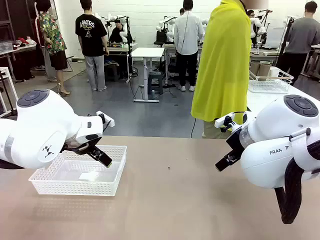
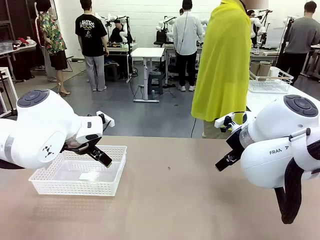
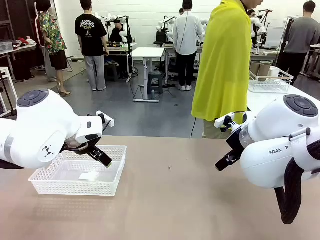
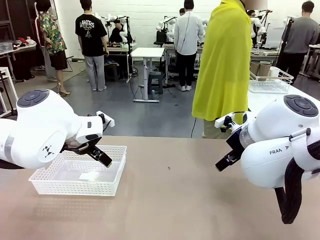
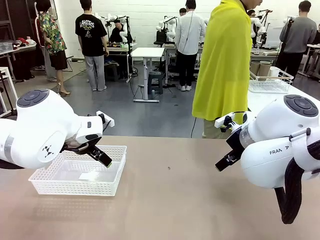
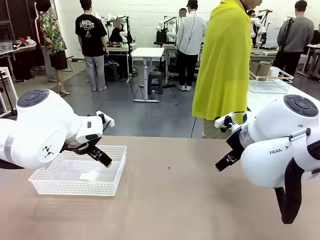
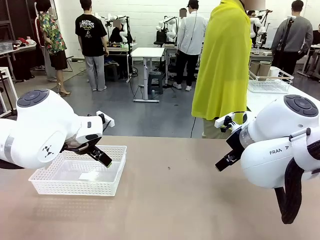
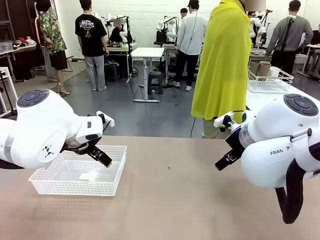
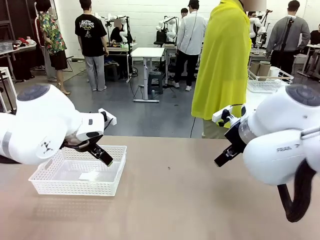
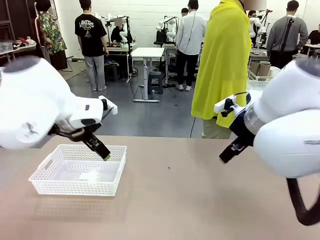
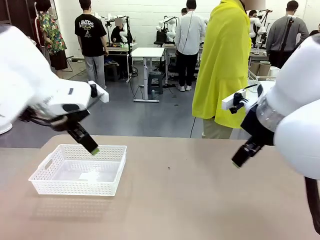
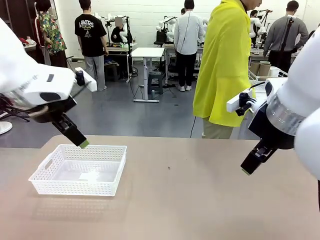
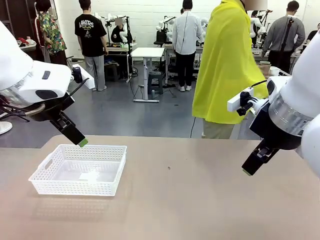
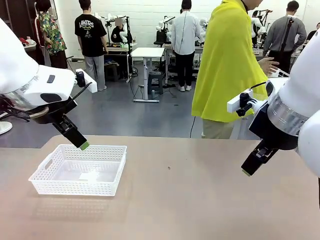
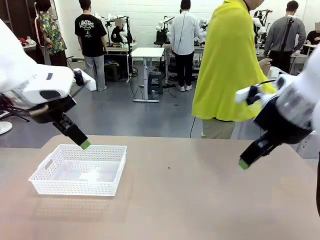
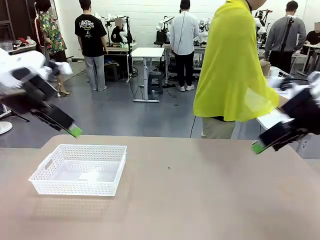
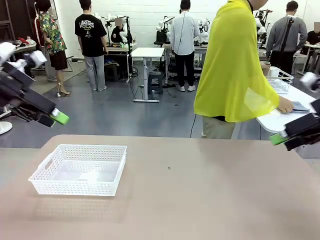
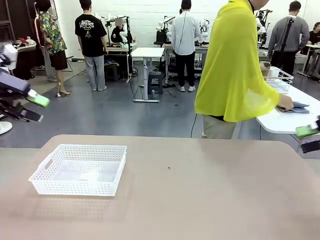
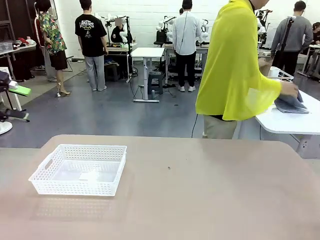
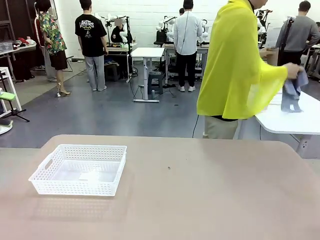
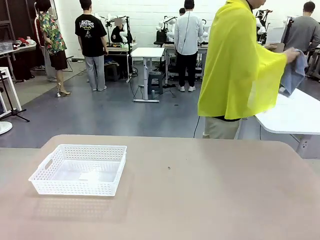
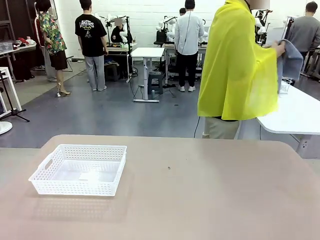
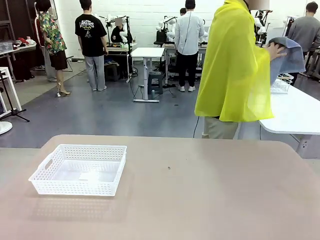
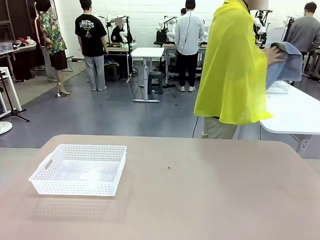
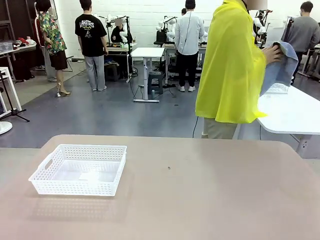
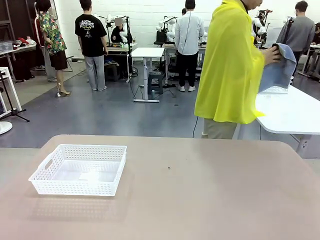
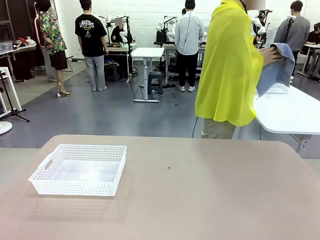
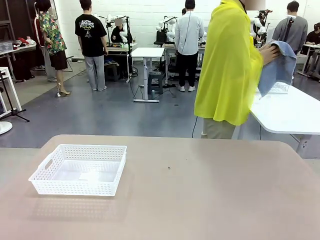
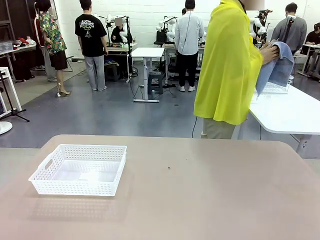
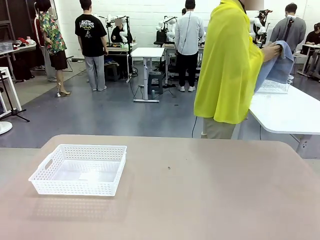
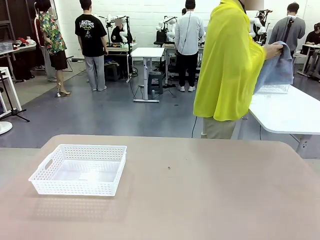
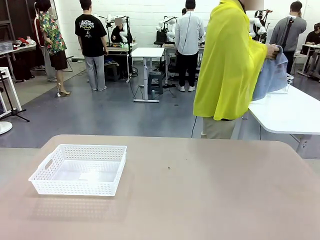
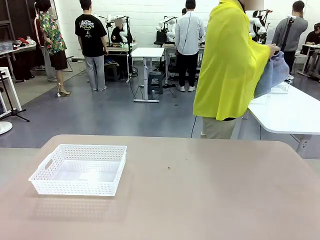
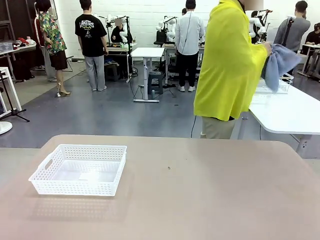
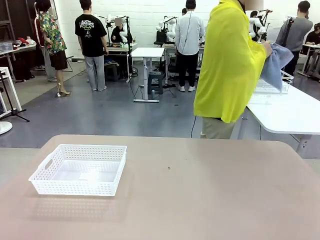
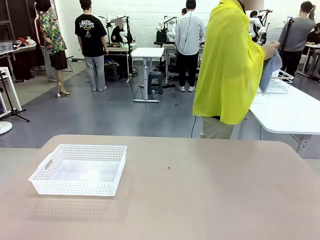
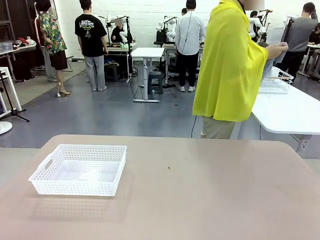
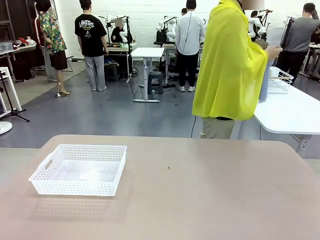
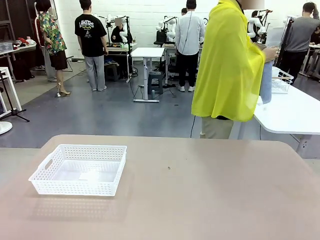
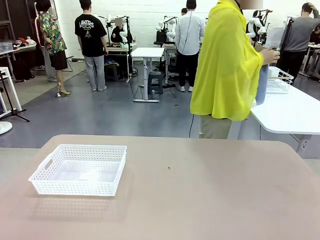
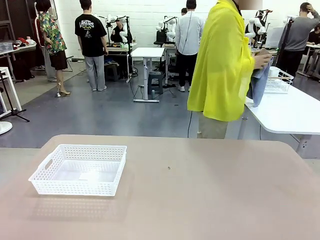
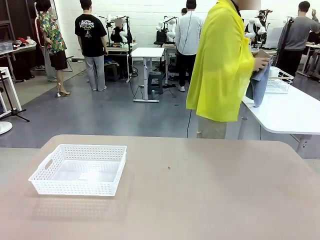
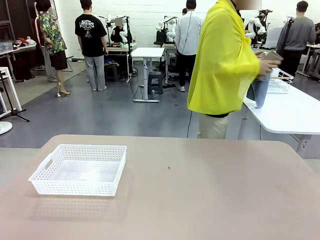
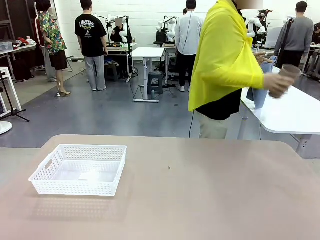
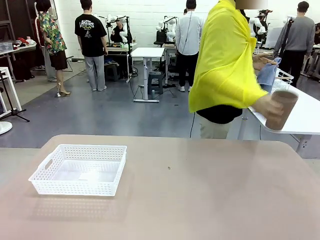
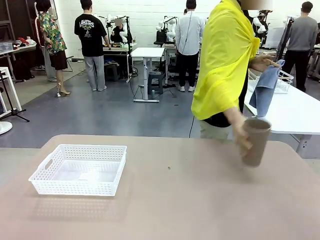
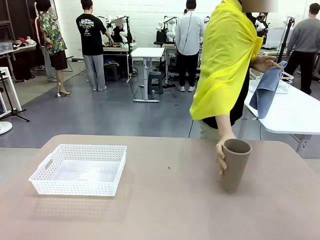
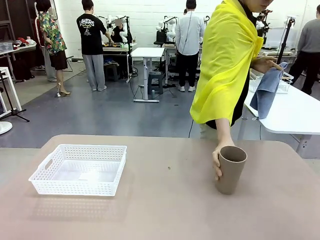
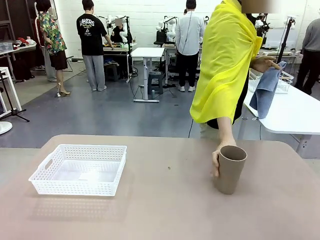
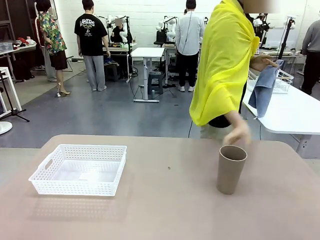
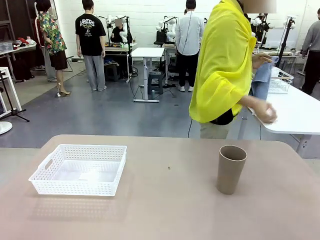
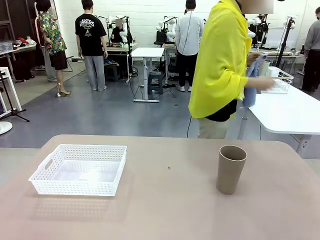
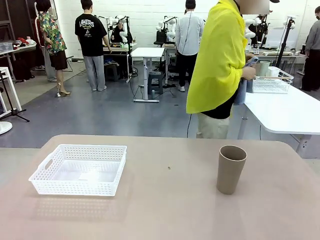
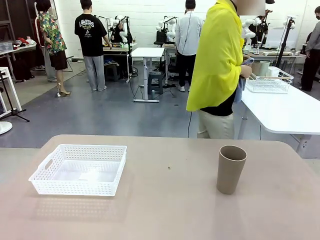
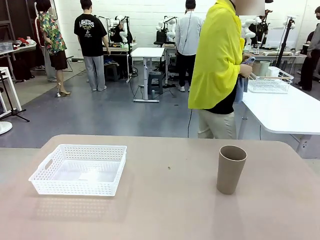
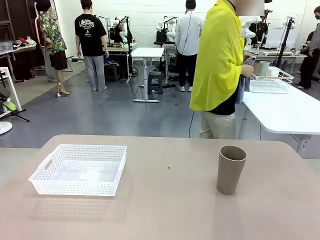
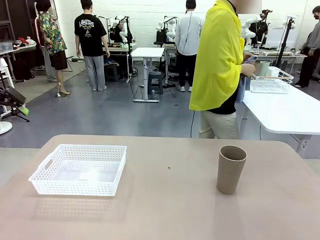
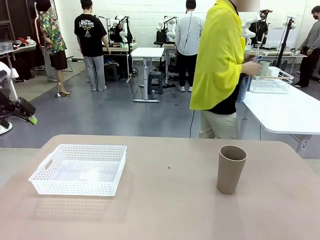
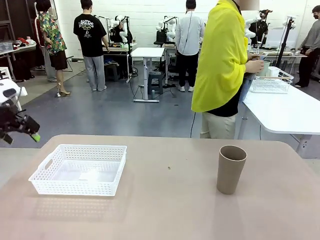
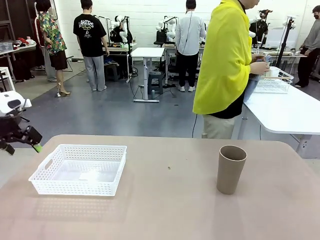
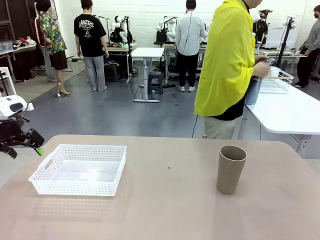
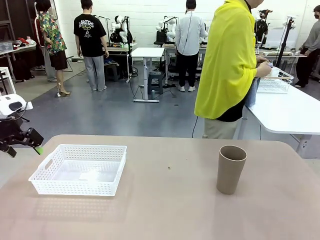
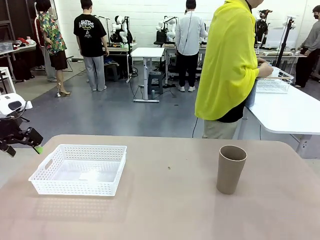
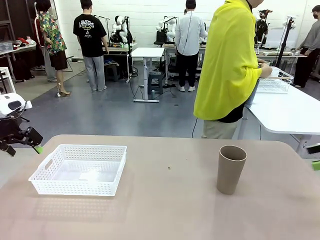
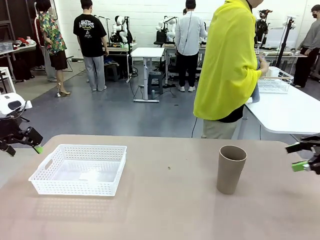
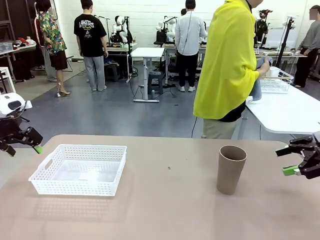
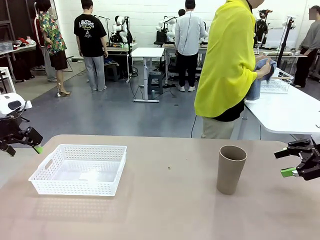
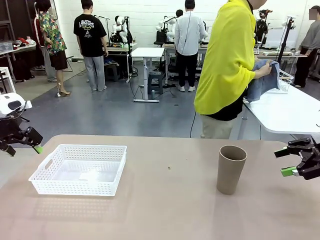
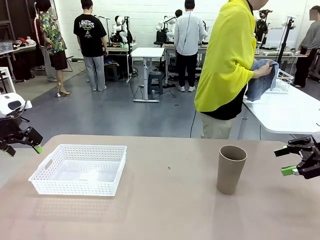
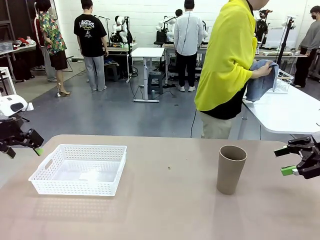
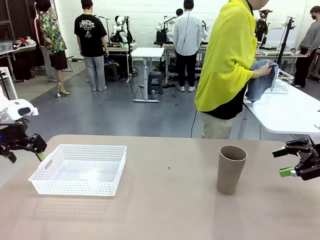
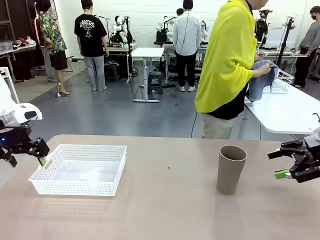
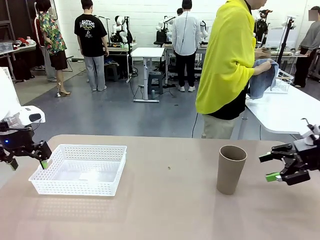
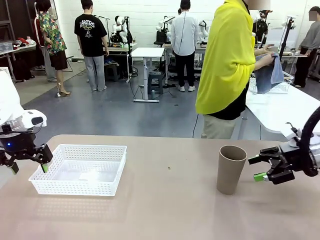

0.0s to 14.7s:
Task: Clean and organize the cups into the basket.
Robot: Pick up the Organizing basket and move it to the center of the table, then pick up the Reusable plastic cup from the right side of the table and place it inside the Organizing basket.
Person: Picks up a cup and a towel, cleans the cup with the towel, and places it on the left side of the robot table.

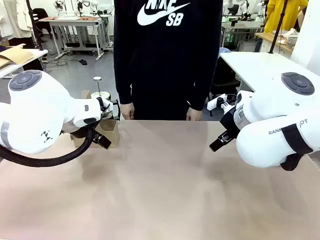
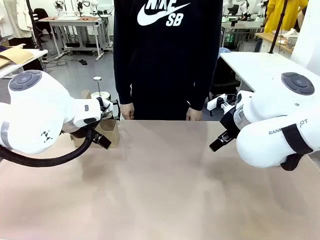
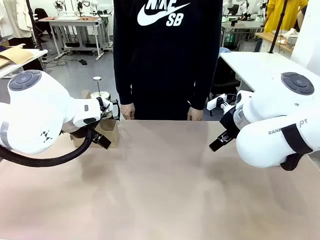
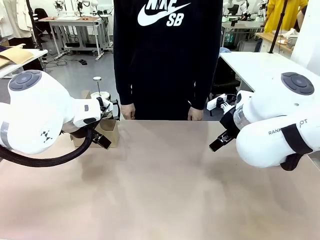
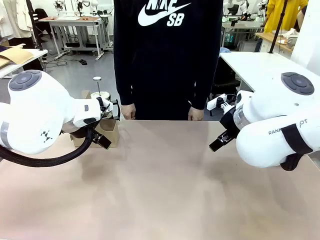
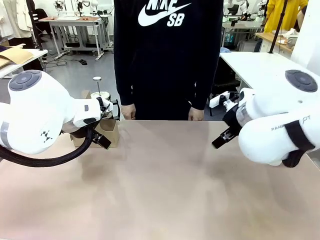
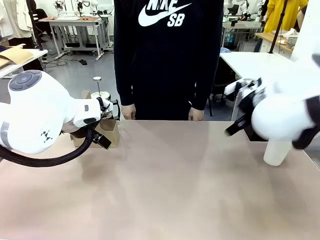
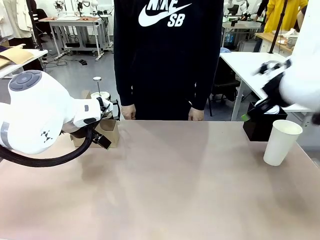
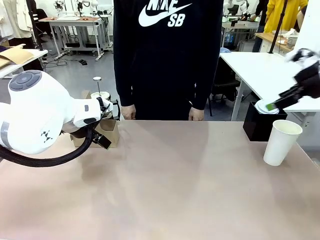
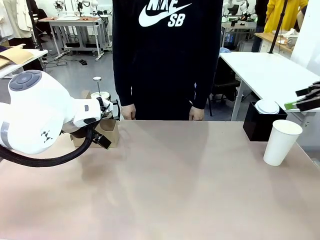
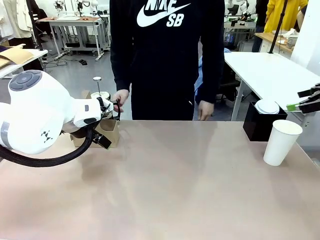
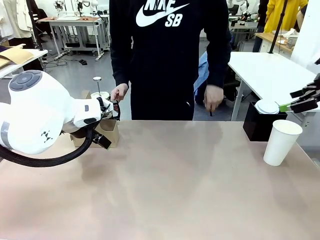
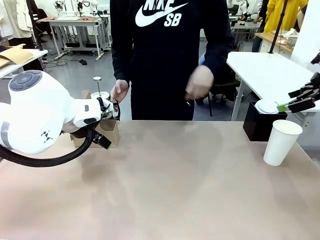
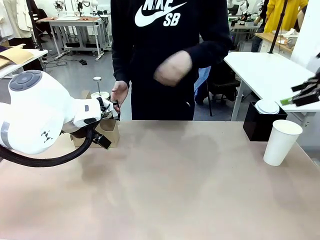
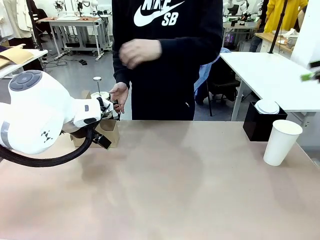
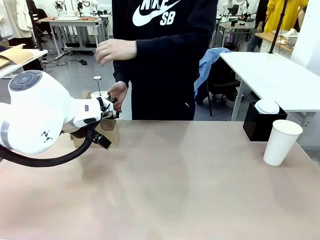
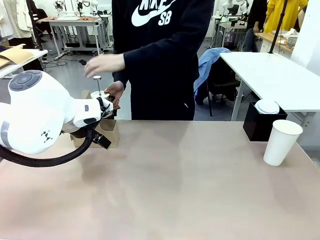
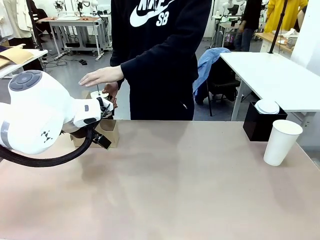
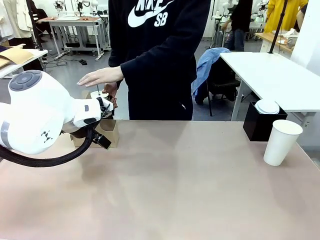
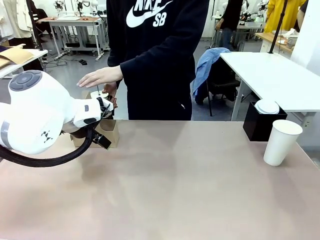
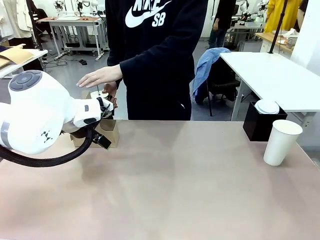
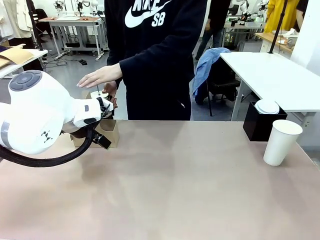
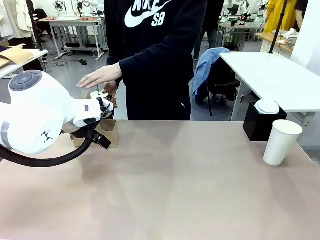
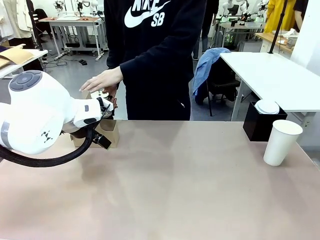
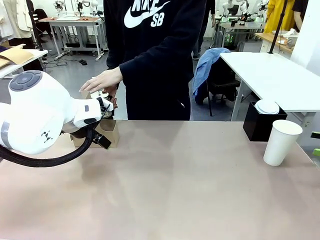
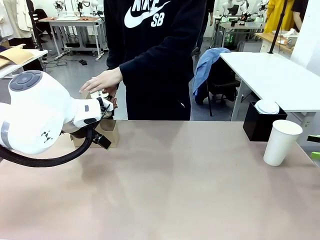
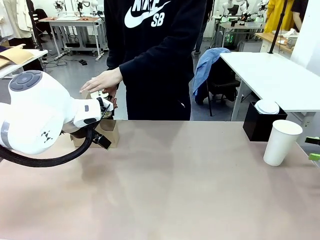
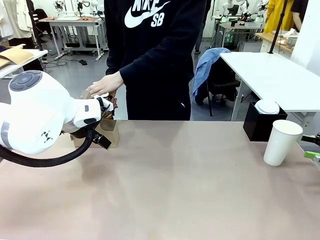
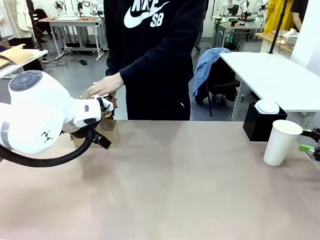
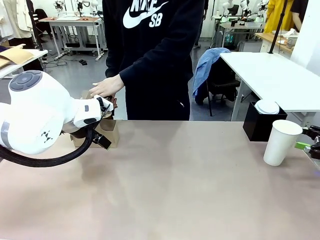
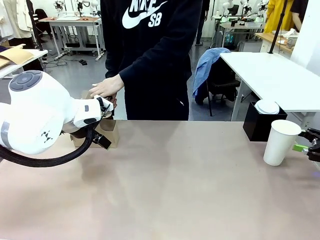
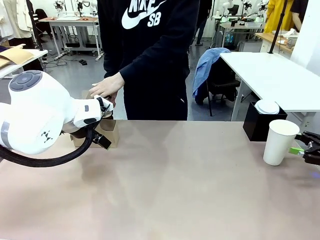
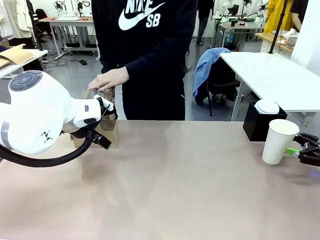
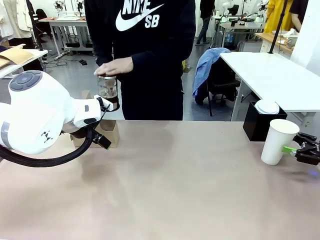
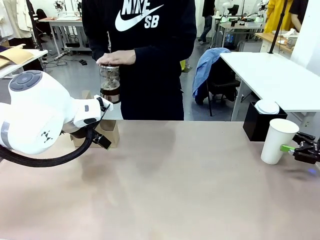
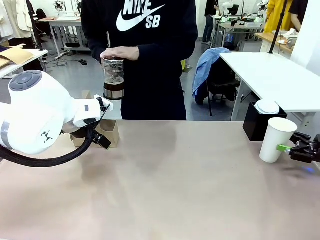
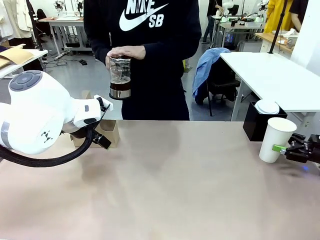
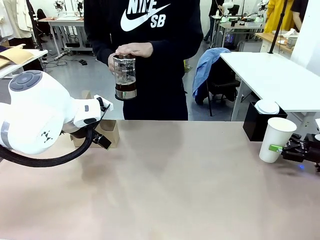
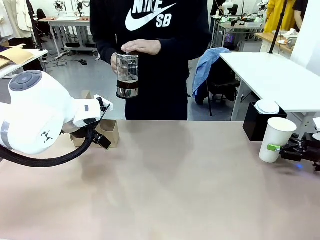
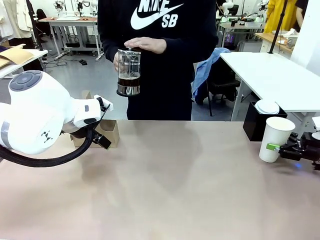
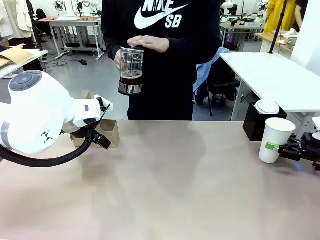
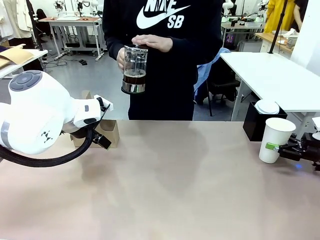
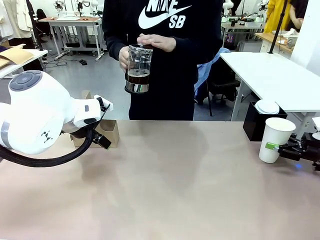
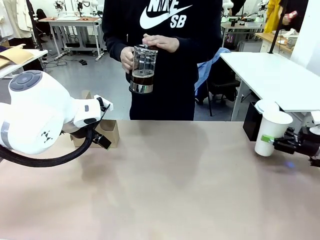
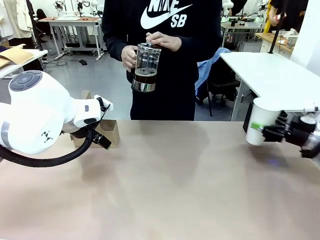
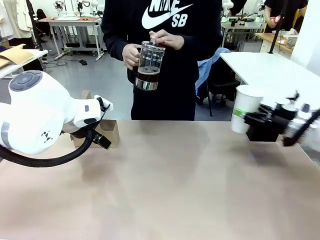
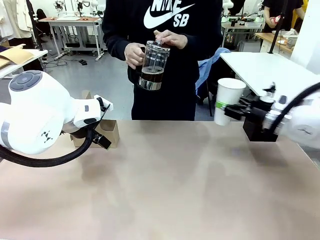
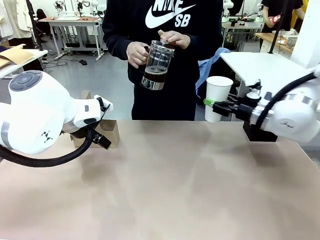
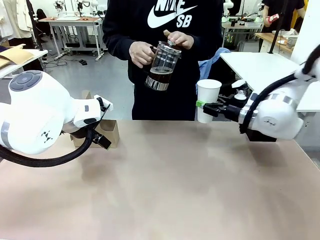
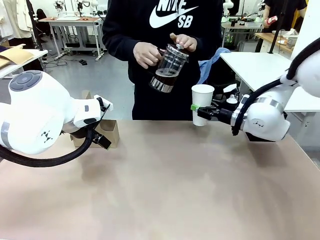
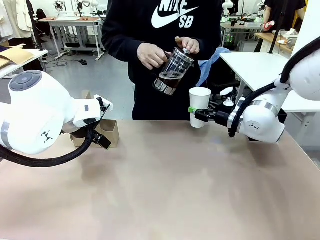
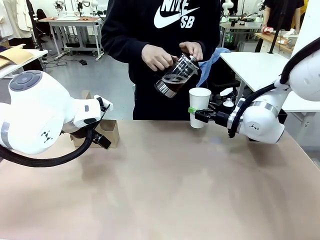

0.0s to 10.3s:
Task: Pour a drink into a cup and package it in a carrier.
Robot: Pick up the 600 ml Paper Cup and place it in the middle top area of the table.
Person: Press and pick up the Filter Brewing.
